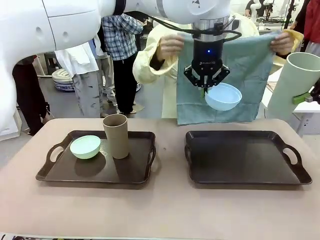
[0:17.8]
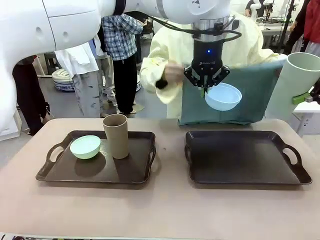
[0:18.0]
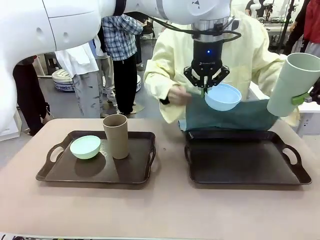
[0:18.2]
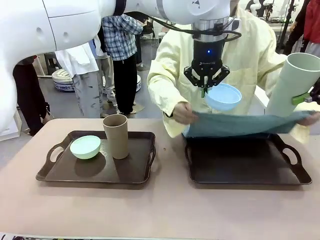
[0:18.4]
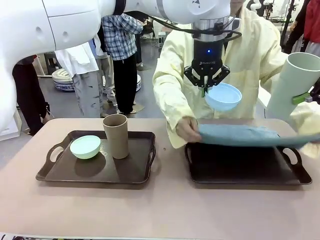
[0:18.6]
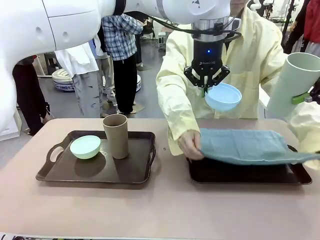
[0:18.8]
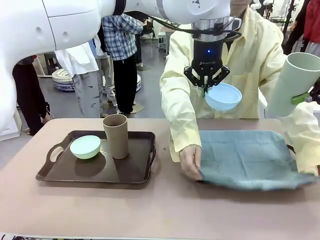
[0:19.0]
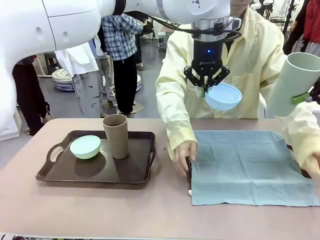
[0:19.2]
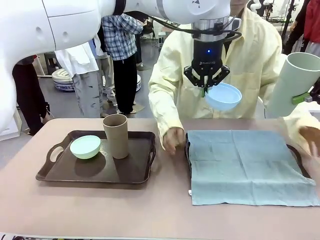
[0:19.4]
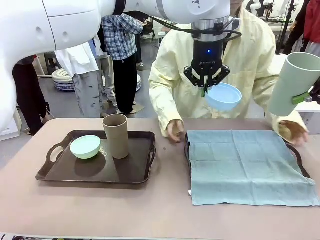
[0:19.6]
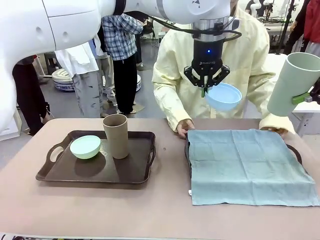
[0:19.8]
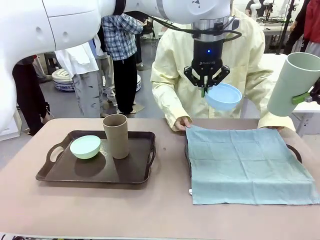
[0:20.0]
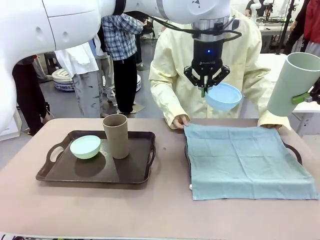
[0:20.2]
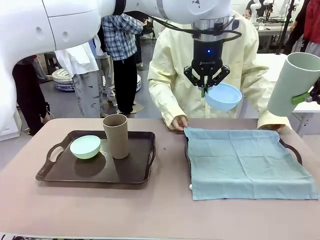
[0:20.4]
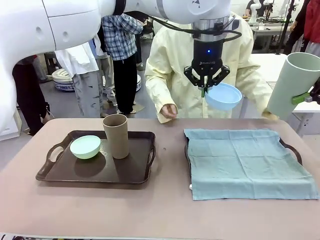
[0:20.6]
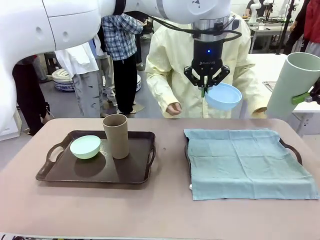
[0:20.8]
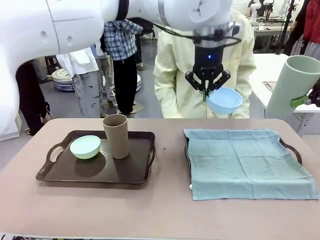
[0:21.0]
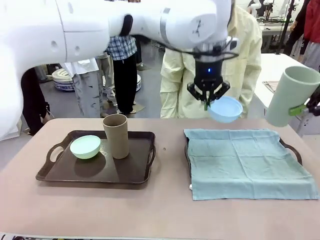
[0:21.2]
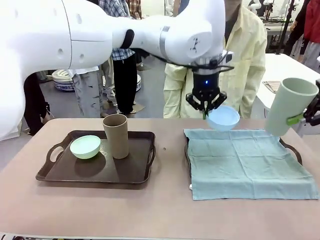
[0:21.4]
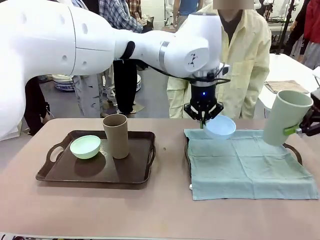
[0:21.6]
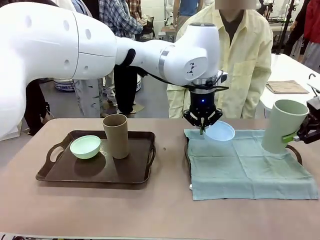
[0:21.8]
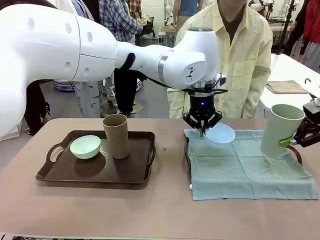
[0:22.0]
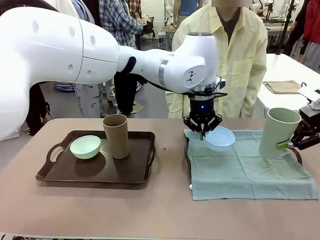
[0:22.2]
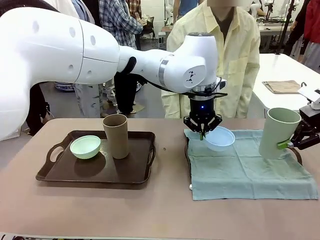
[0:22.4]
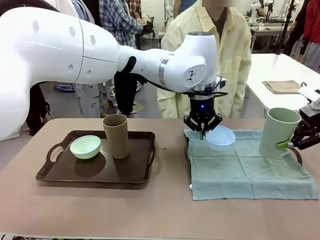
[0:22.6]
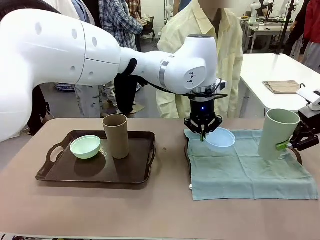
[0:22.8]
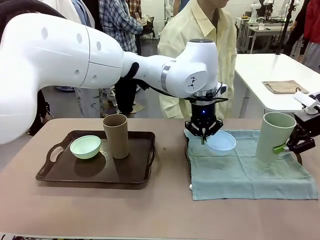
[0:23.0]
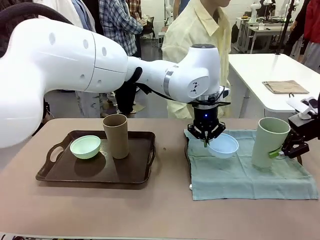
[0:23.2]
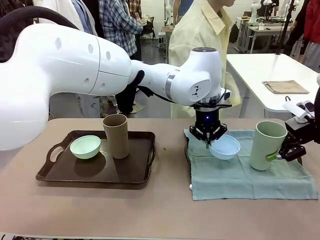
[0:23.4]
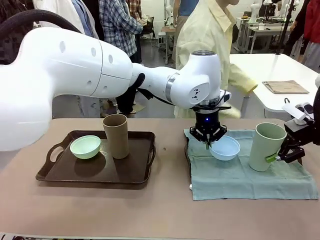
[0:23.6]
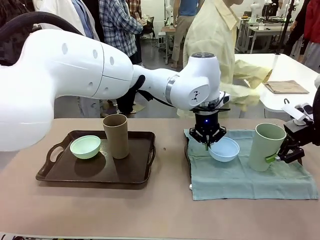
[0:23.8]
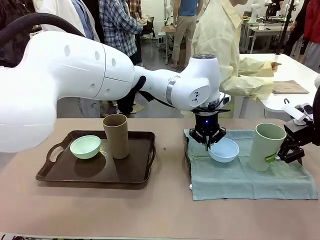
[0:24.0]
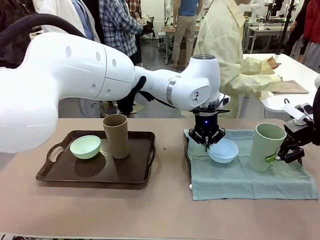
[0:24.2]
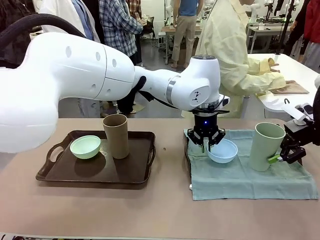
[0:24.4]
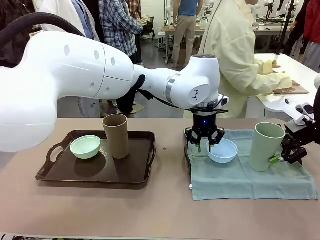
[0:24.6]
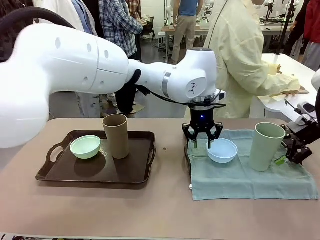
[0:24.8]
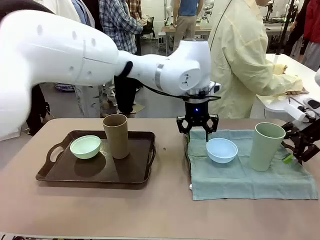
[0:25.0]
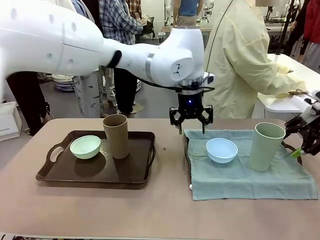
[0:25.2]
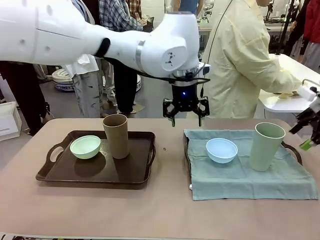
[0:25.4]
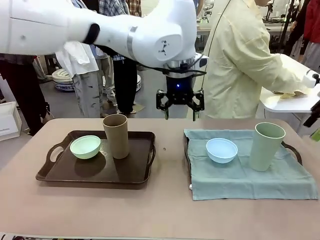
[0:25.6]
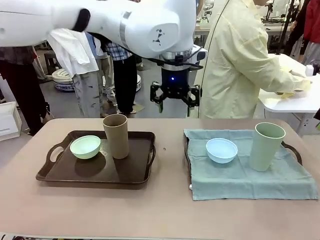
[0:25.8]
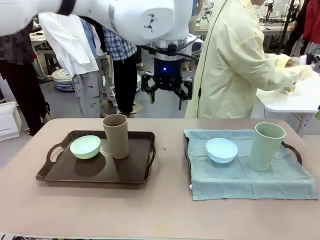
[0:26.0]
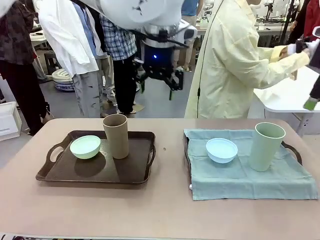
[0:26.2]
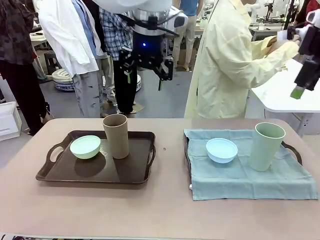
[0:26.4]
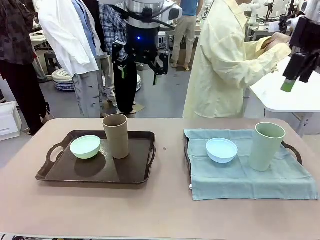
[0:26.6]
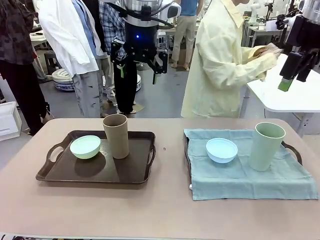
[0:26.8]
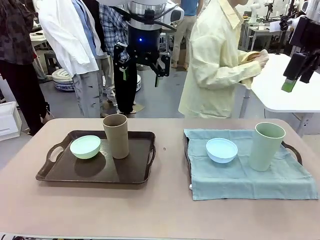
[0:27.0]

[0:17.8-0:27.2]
Robot: Place the Picnic Bowl and Reusable plastic cup back onto the Handle tray in front of the human's position.
Person: The human returns to the human table to pick up another napkin and walks to the robot table to stand in front of the tray without a napkin.

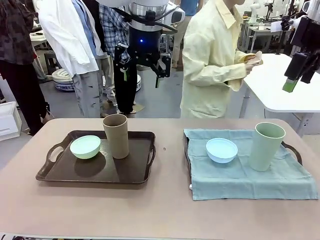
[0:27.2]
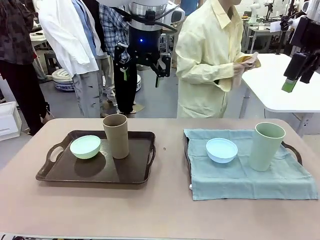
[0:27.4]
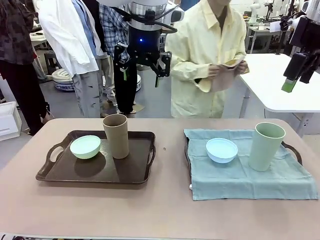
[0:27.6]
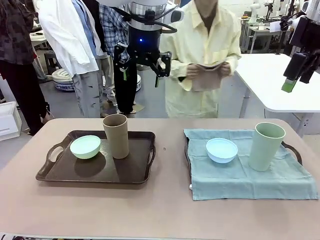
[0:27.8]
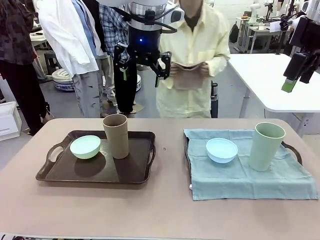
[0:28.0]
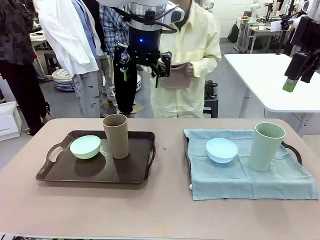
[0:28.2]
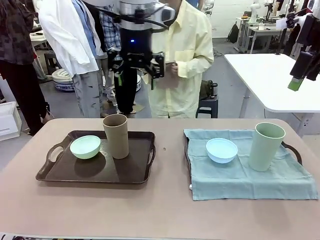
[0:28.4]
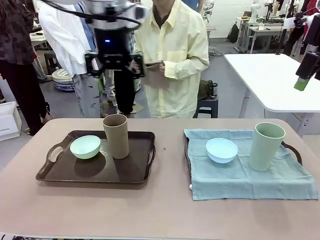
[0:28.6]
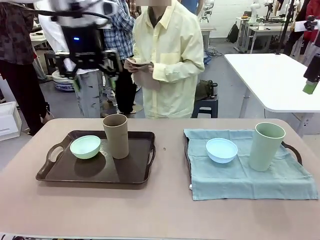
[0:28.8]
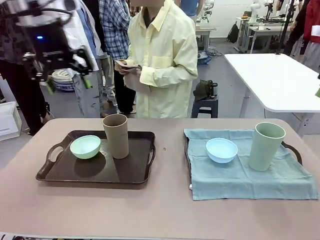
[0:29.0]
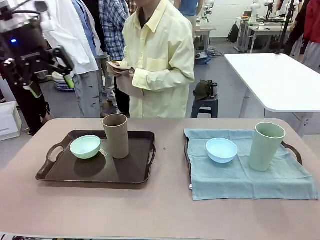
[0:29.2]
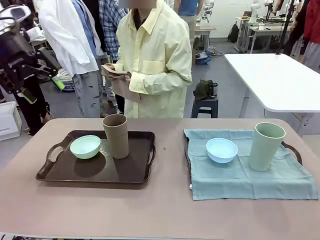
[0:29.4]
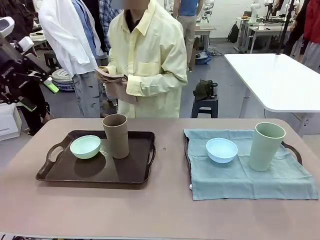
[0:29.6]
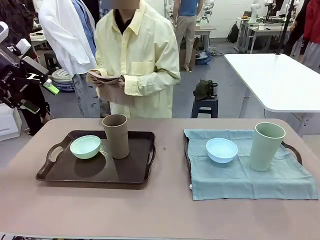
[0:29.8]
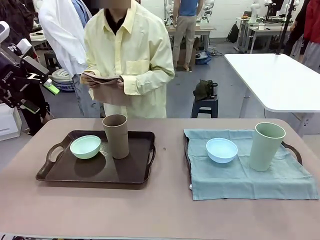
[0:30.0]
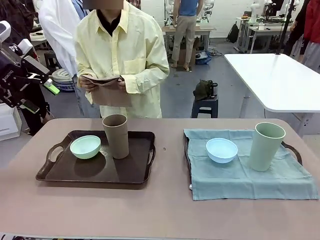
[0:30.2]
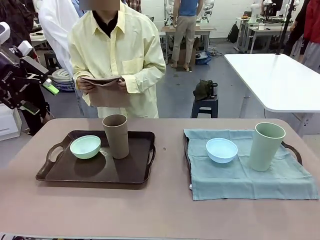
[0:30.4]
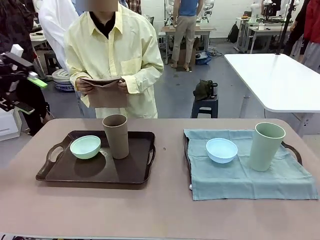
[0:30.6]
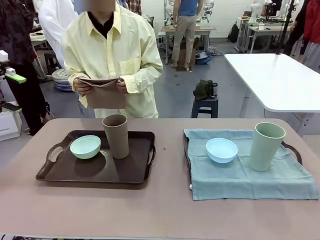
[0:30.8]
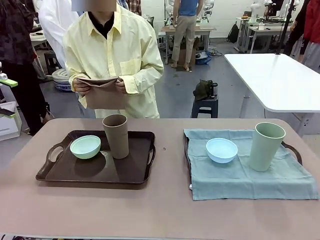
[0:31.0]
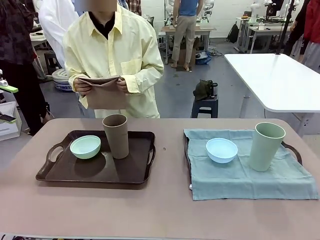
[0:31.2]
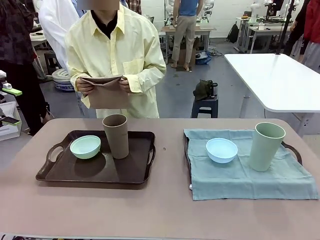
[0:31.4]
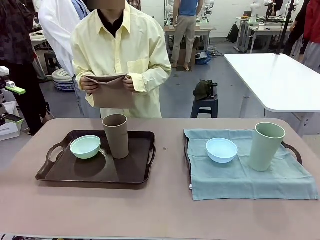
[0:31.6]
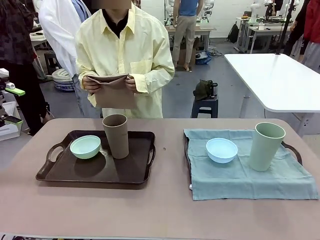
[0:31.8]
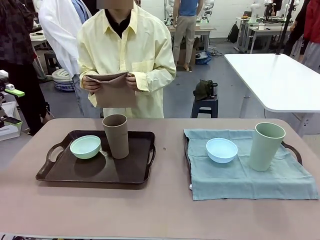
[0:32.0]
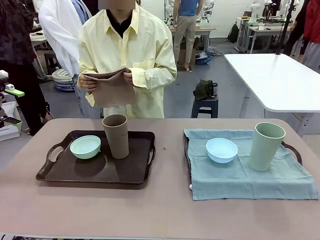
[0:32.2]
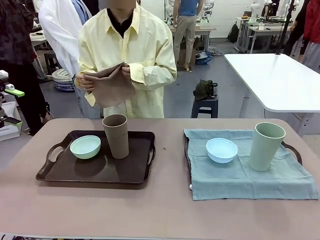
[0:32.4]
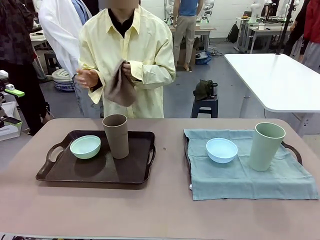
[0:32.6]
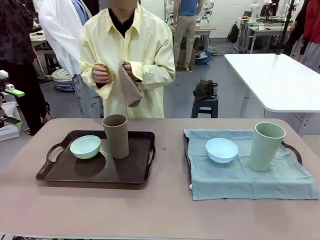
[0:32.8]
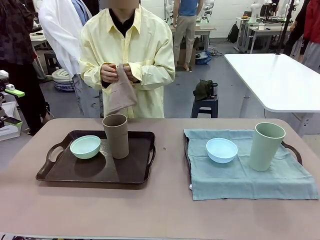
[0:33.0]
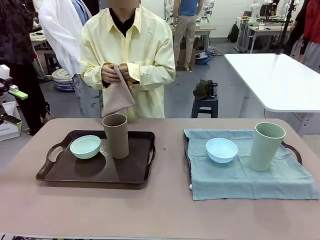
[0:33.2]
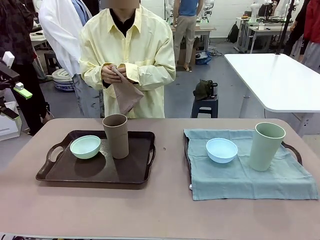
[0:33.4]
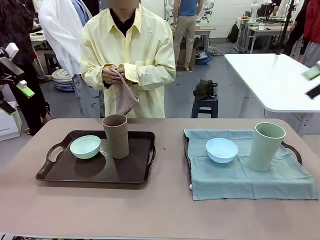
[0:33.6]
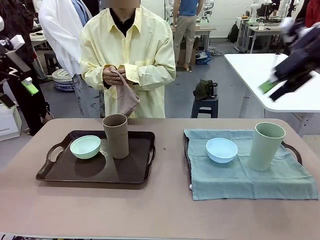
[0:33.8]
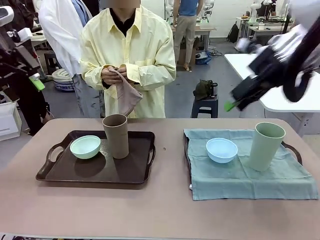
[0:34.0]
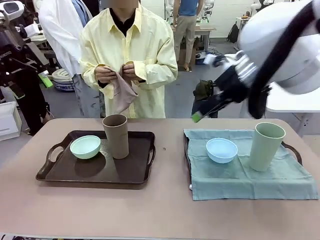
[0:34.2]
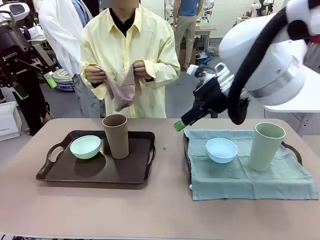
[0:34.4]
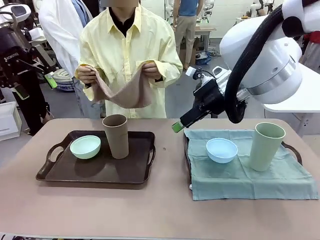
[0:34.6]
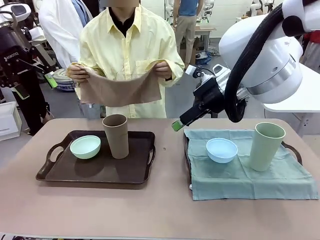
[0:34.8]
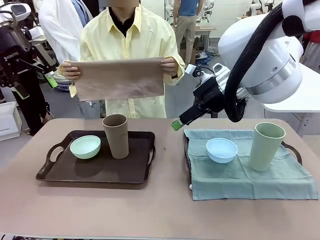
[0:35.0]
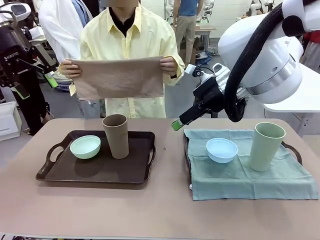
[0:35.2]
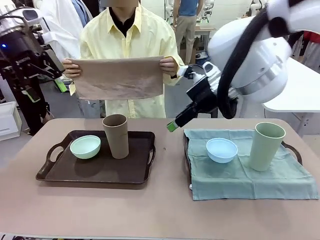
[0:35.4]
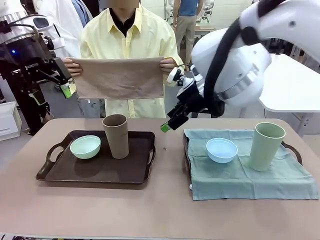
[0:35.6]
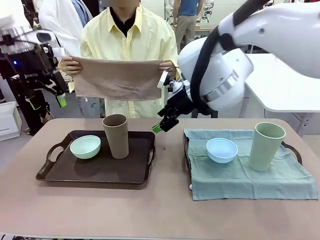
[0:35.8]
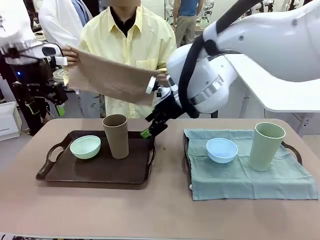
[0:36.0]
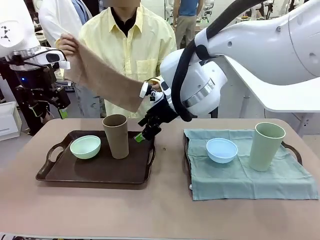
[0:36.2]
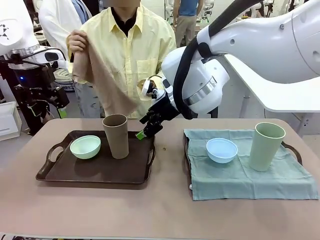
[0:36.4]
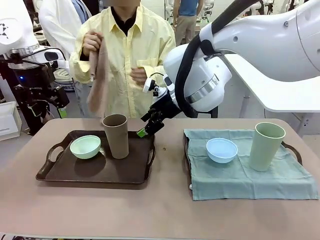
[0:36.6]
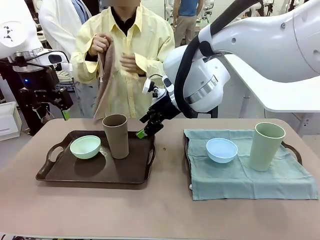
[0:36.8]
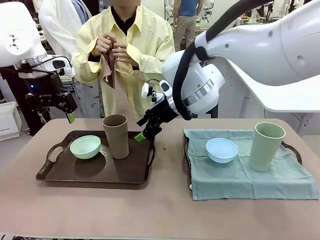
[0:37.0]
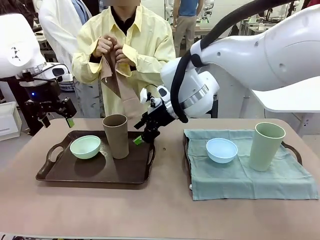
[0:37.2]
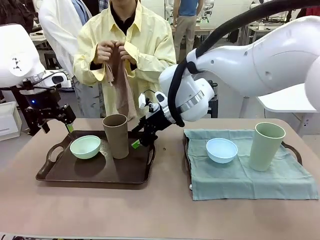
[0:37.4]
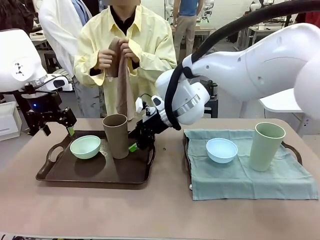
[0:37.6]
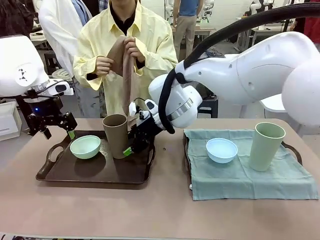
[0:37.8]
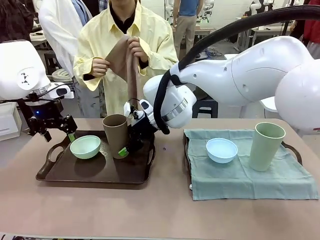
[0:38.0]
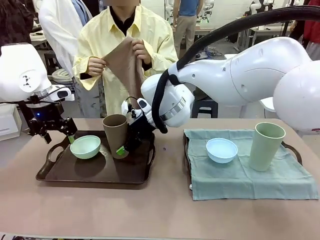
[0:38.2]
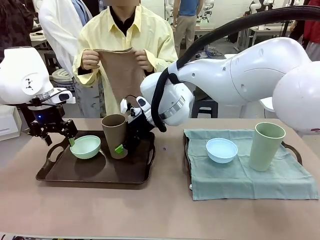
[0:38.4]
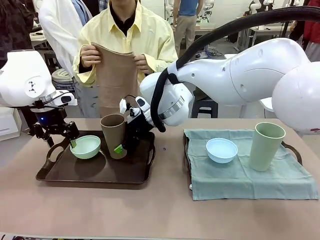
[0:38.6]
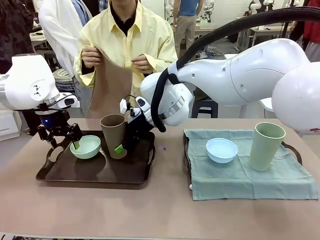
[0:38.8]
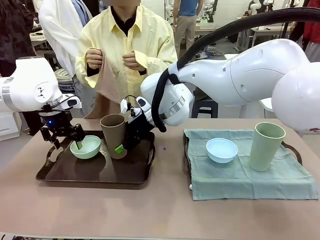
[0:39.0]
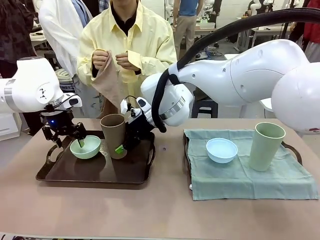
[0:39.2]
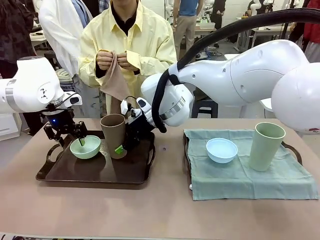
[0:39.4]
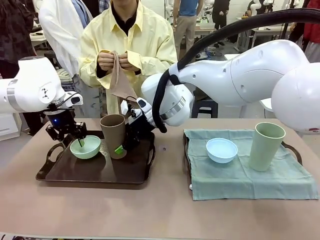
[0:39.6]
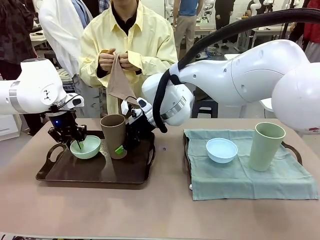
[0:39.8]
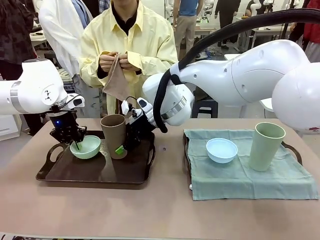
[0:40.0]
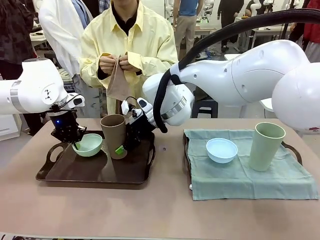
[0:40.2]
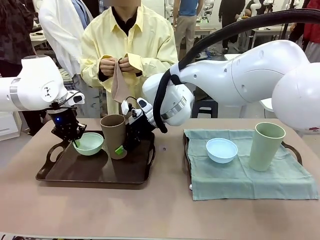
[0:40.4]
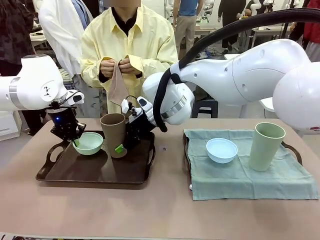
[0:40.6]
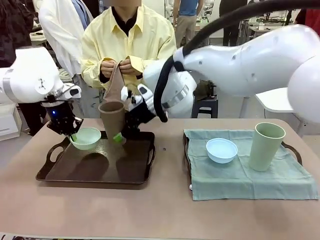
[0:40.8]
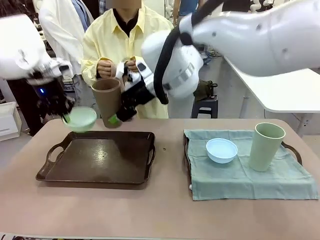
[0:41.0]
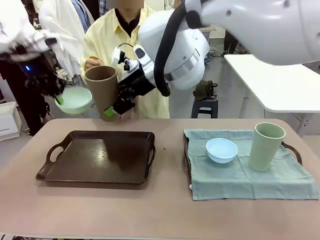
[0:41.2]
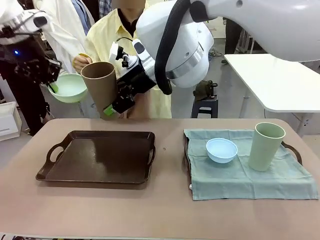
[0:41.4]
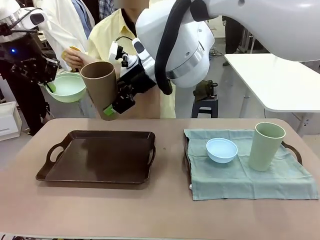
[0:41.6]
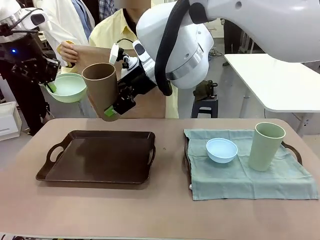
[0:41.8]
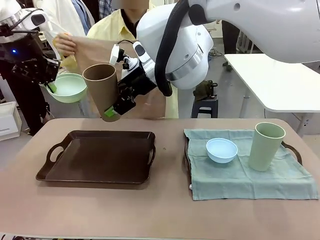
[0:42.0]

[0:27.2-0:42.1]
Robot: Pick up the Picnic Bowl and Reusable plastic cup from the Handle tray in front of the human's position and hold them in the air.
